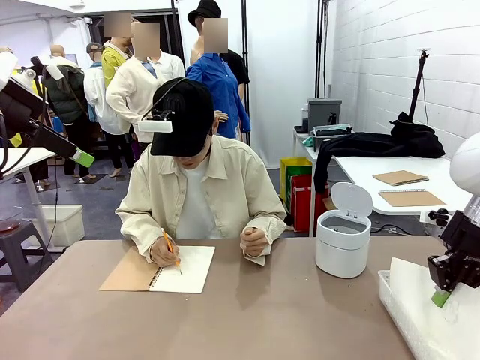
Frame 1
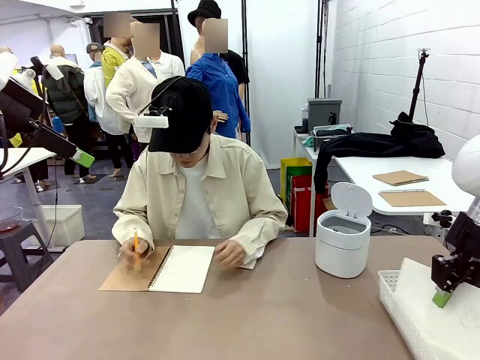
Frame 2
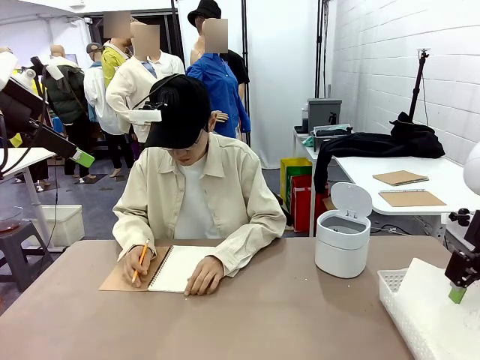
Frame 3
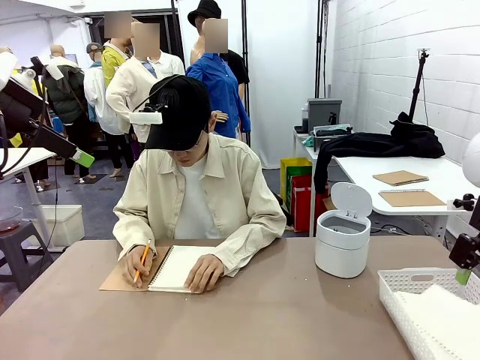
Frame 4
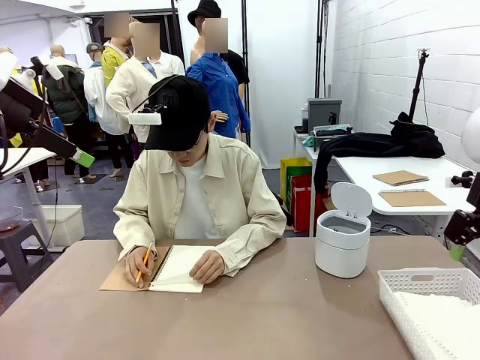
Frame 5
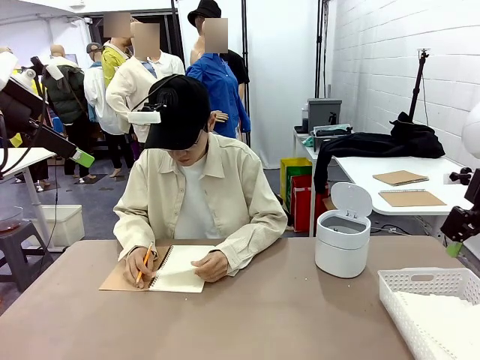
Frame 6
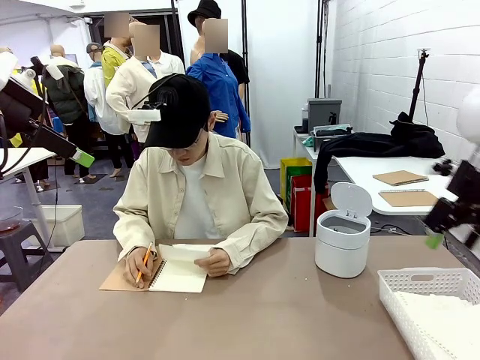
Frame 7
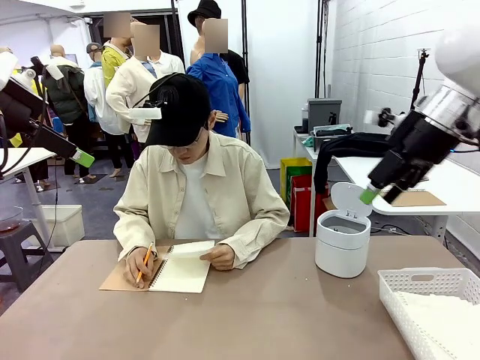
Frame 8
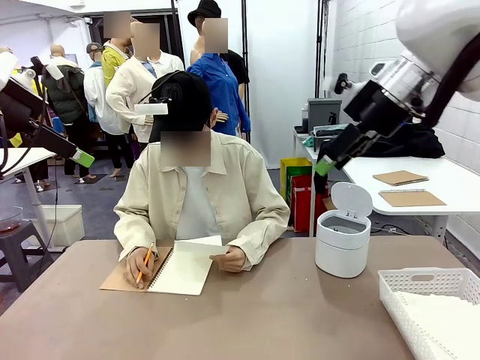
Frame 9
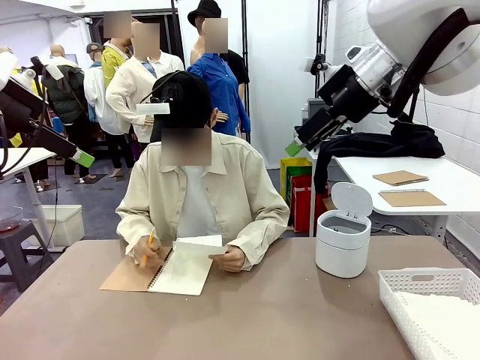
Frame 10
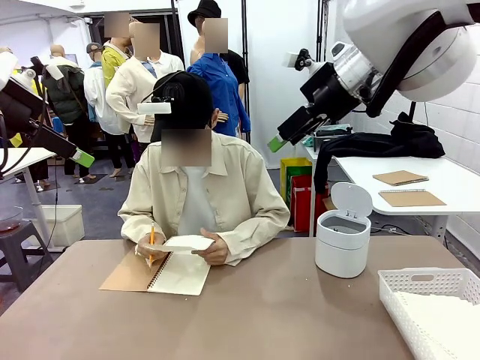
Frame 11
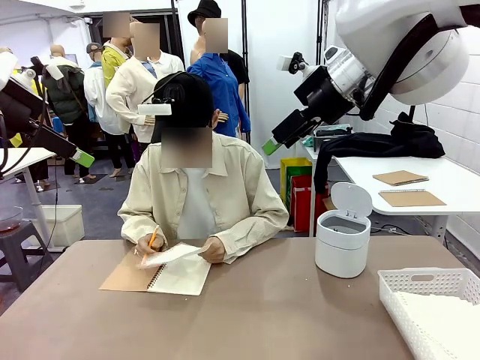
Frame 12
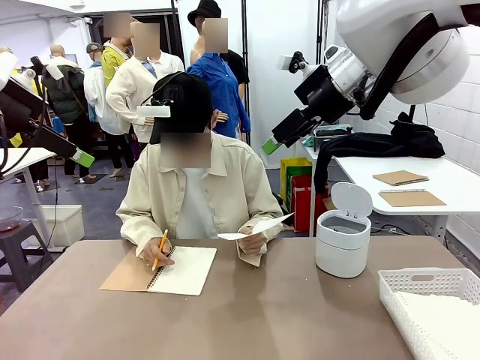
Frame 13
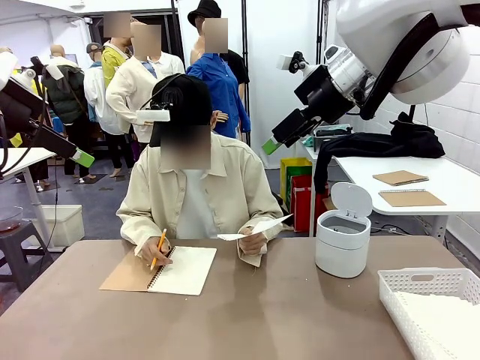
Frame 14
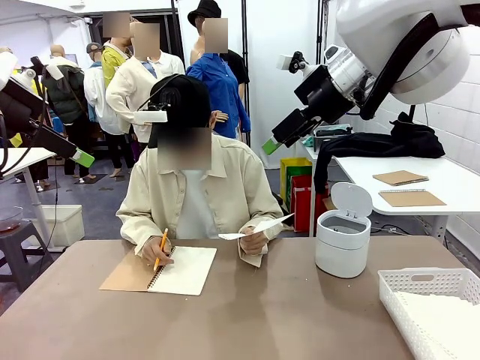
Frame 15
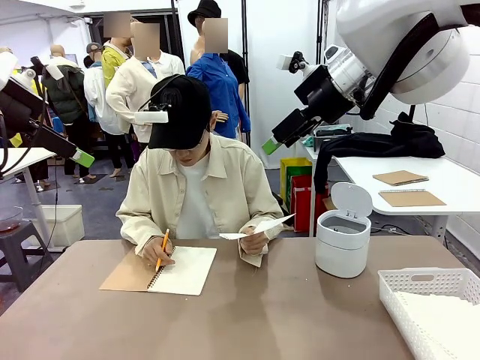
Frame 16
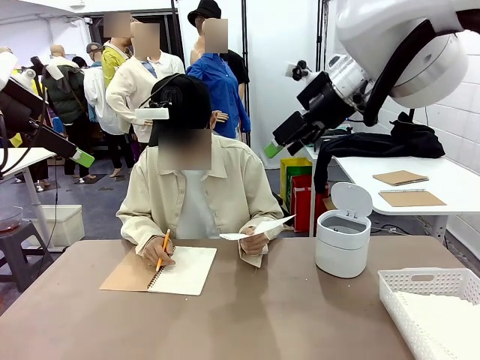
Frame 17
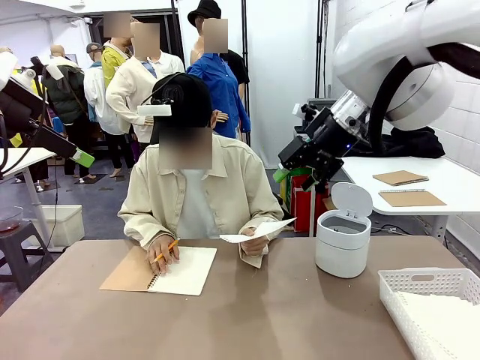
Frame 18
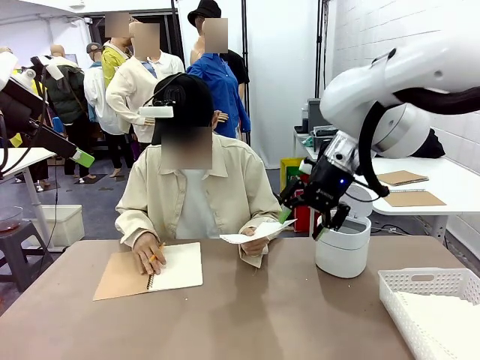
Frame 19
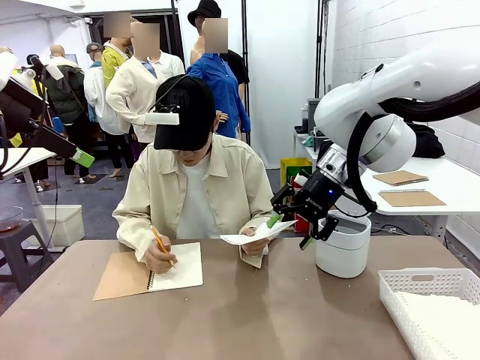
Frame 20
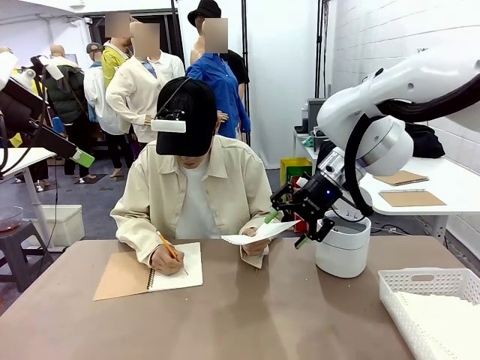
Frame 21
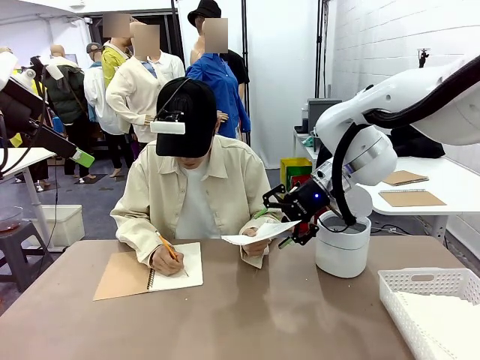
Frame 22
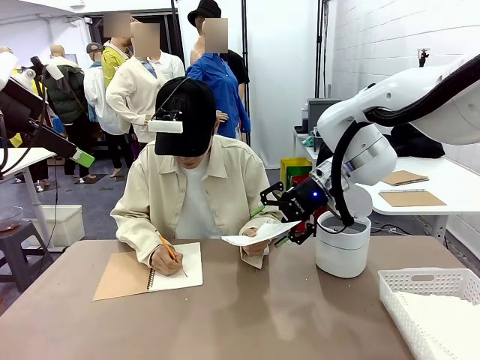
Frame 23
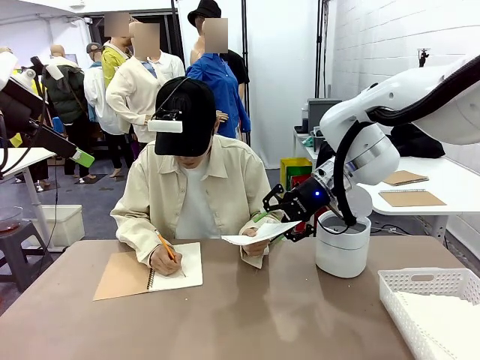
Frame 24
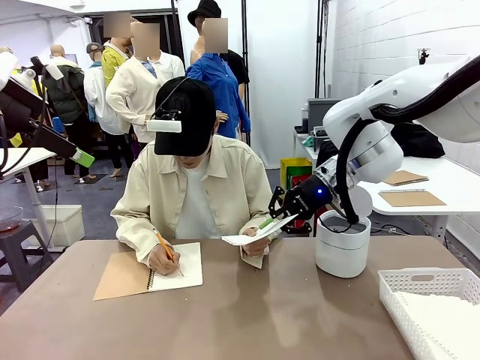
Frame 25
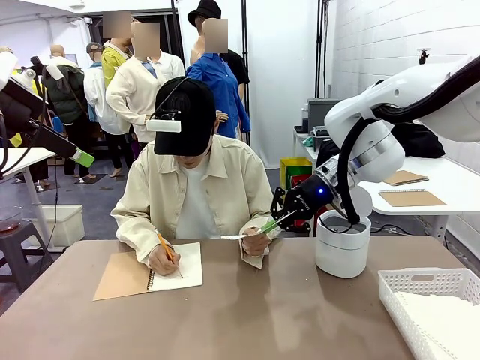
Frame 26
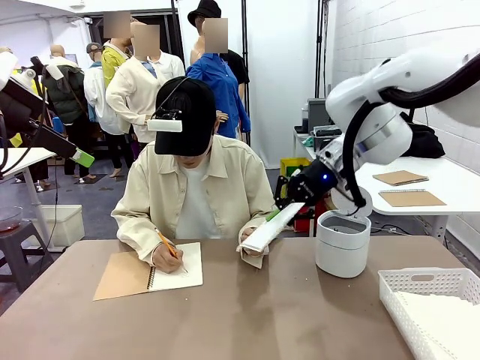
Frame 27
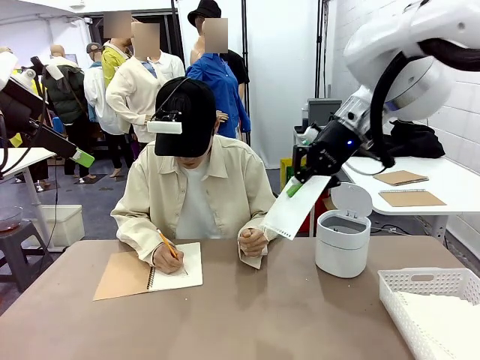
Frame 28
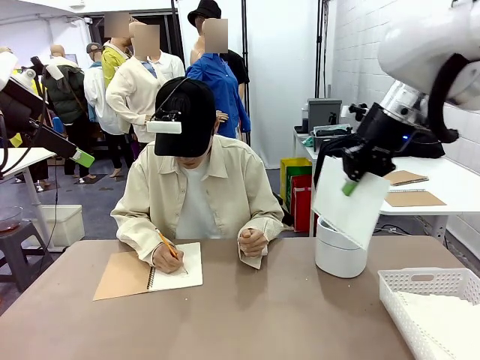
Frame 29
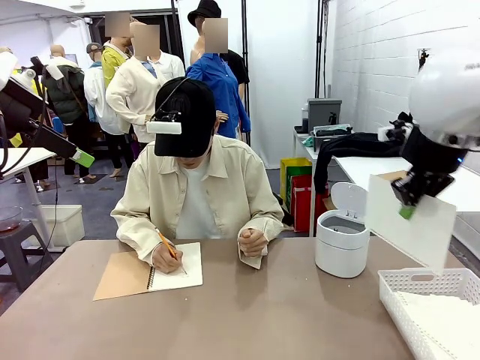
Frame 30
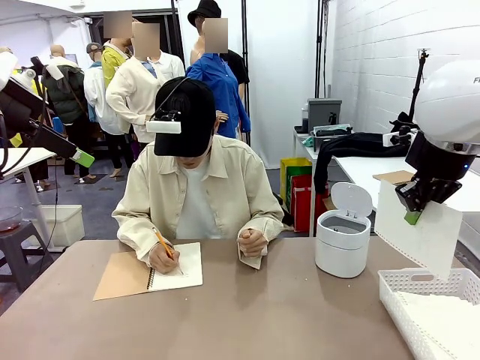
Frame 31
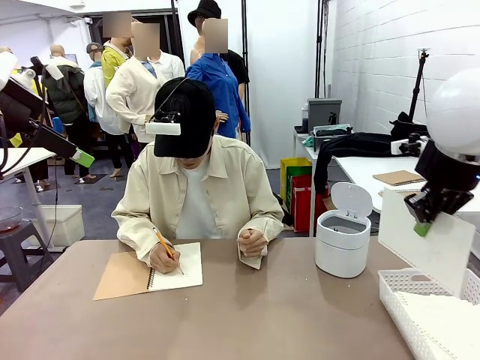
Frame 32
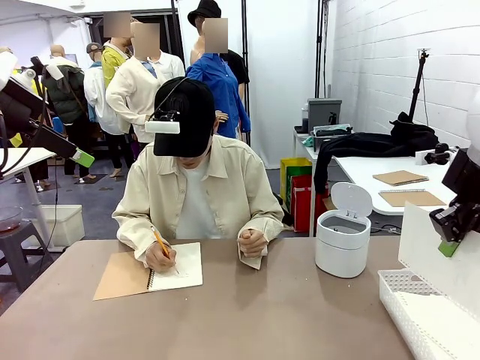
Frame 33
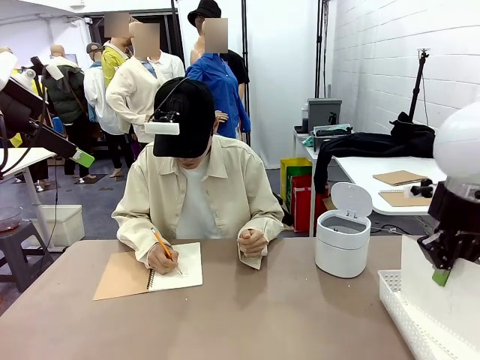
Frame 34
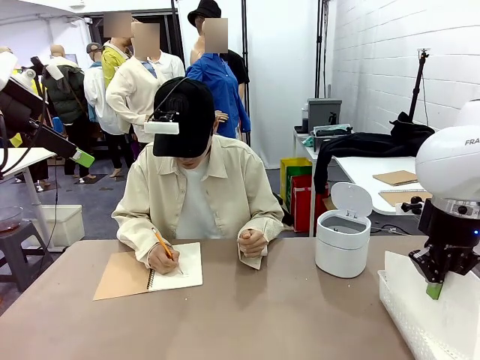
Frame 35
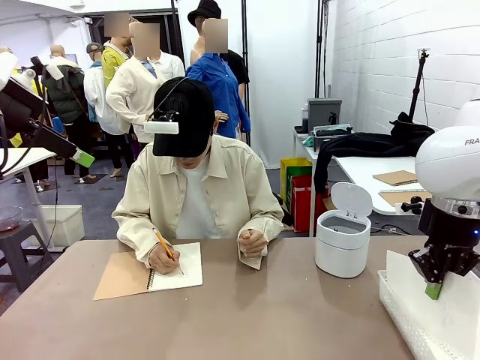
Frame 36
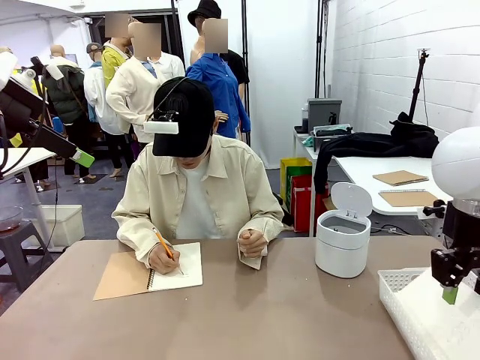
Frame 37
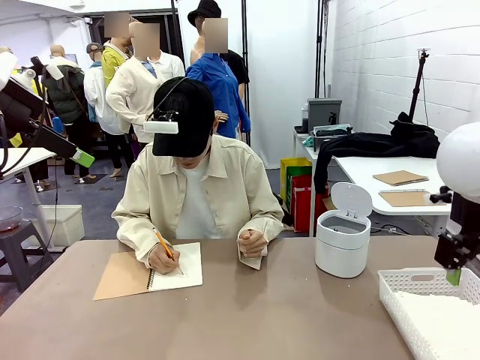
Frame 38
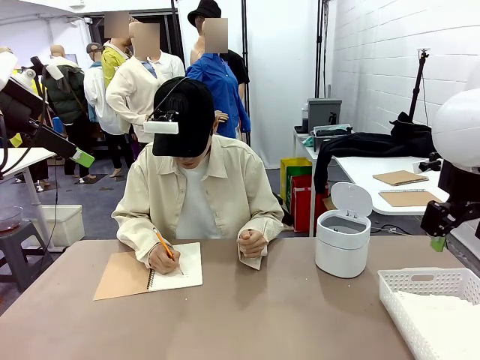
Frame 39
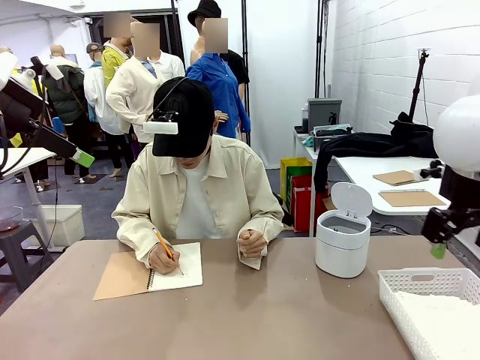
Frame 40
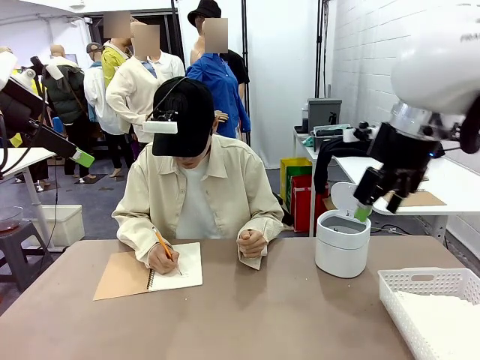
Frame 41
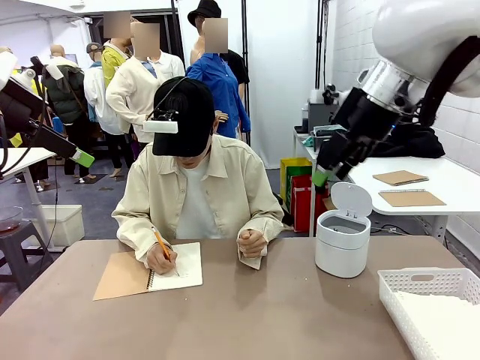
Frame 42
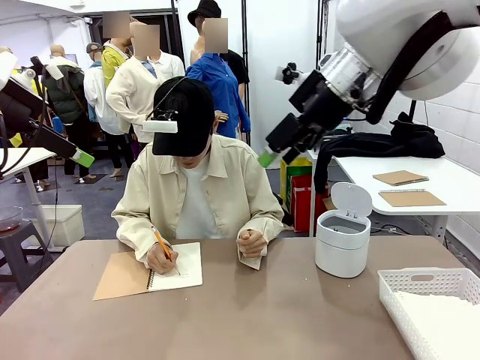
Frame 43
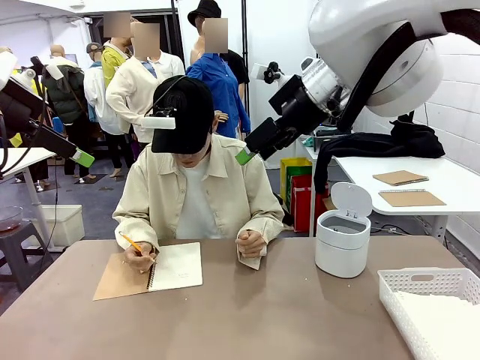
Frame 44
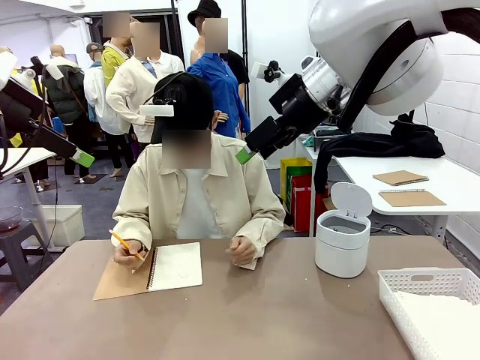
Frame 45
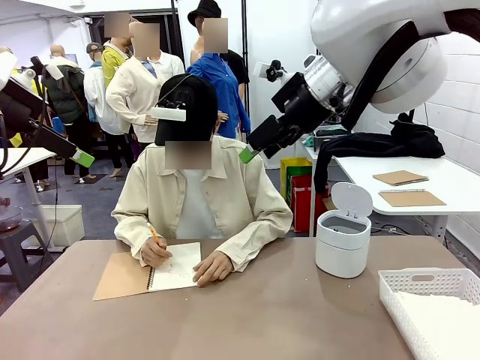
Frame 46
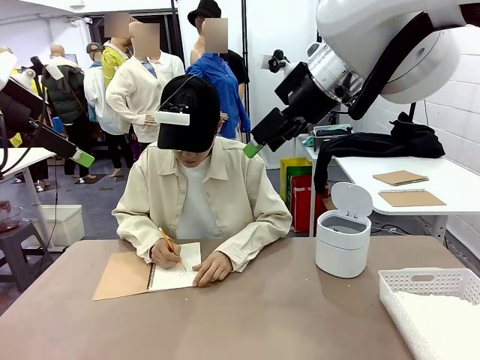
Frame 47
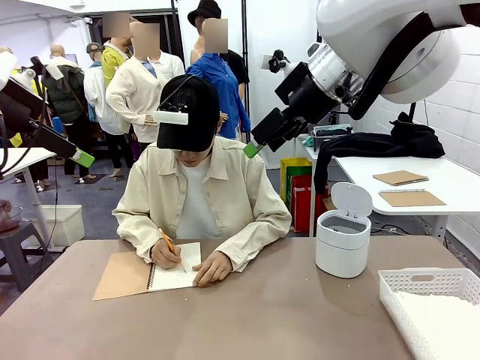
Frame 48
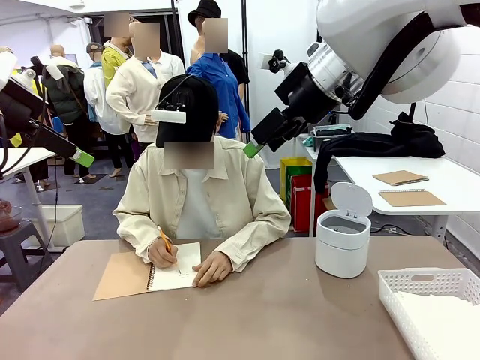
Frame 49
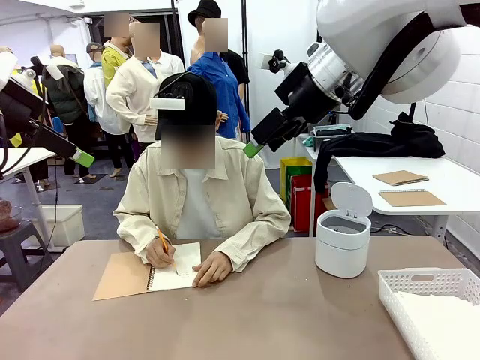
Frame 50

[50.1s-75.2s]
Task: Sort the paper based on its condition.
Robot: If a person hands you a paper, place it in the Organizing basket , and if it's crumpled, put it in the Trash can.
Person: Hand the torn page to the robot or crumple it and throw it to the center of the table.
